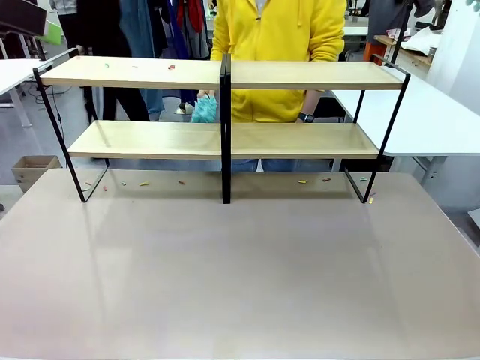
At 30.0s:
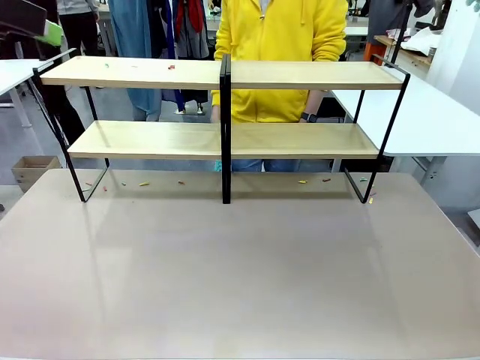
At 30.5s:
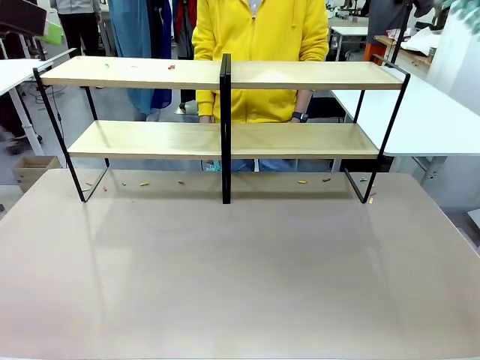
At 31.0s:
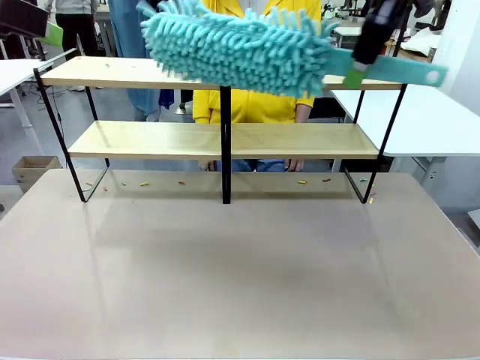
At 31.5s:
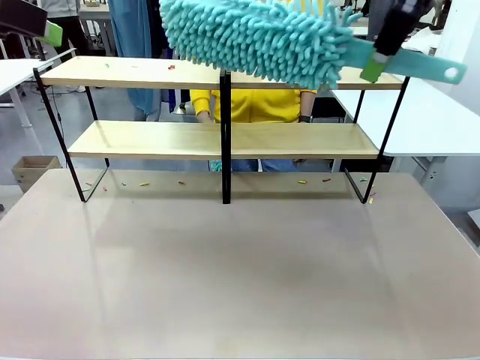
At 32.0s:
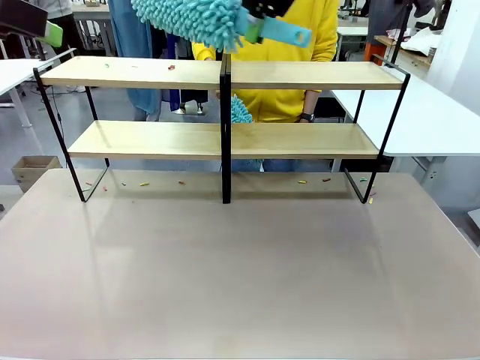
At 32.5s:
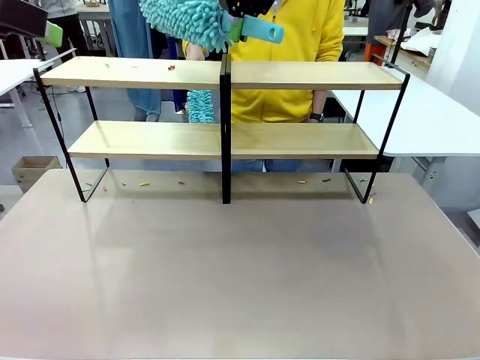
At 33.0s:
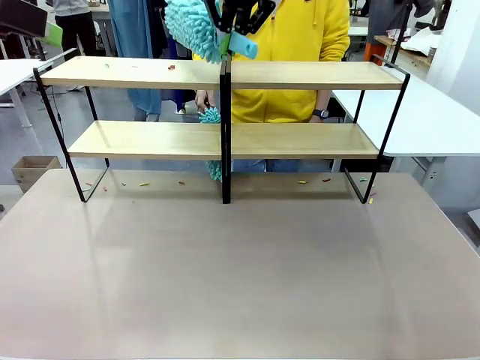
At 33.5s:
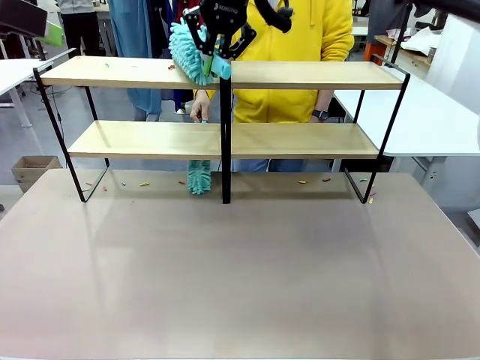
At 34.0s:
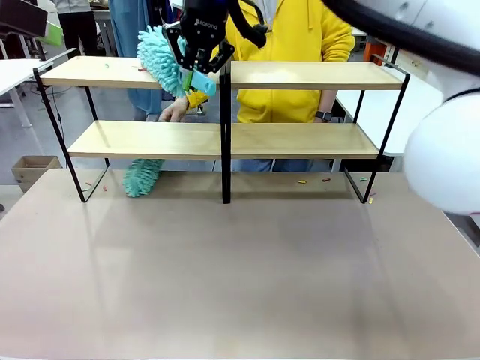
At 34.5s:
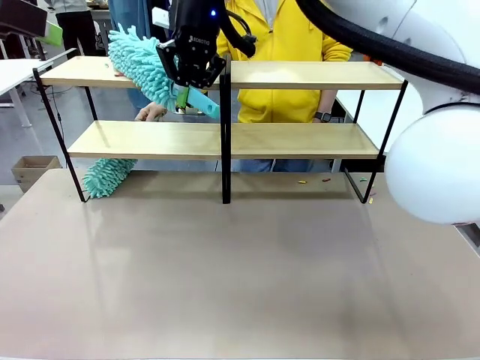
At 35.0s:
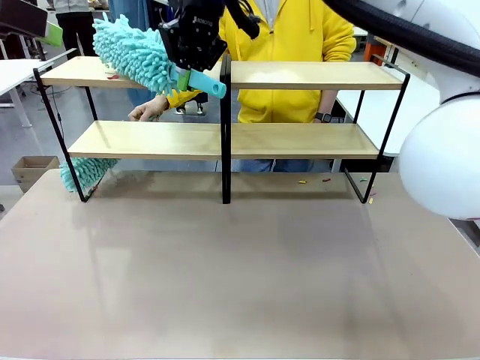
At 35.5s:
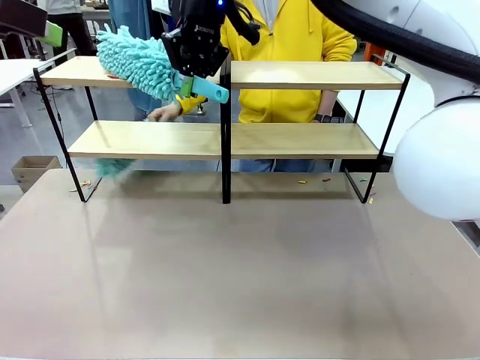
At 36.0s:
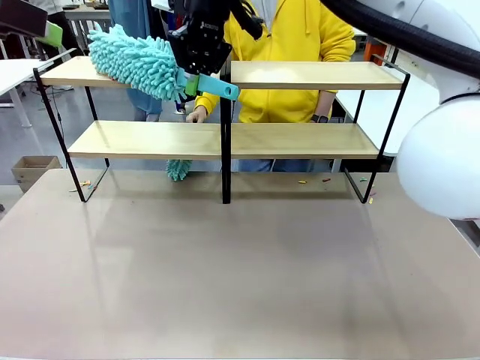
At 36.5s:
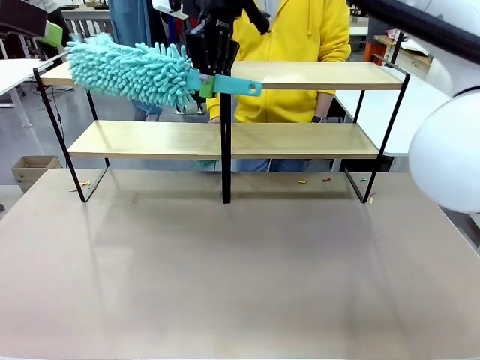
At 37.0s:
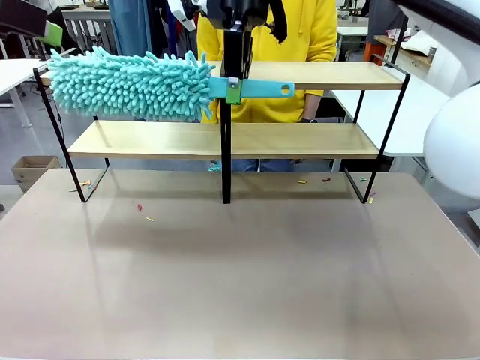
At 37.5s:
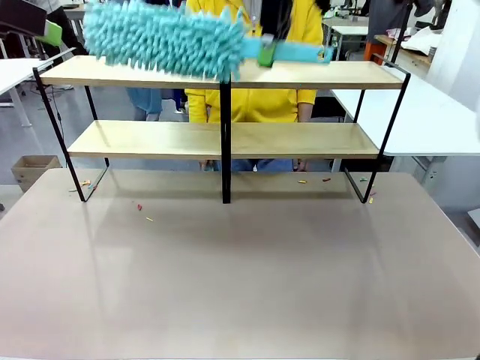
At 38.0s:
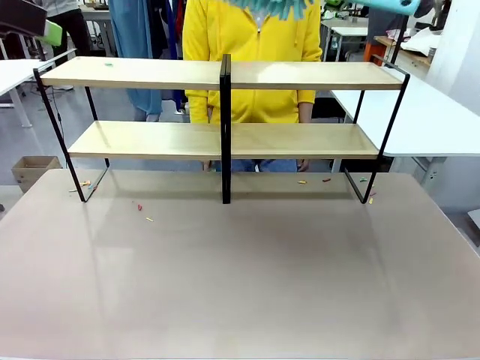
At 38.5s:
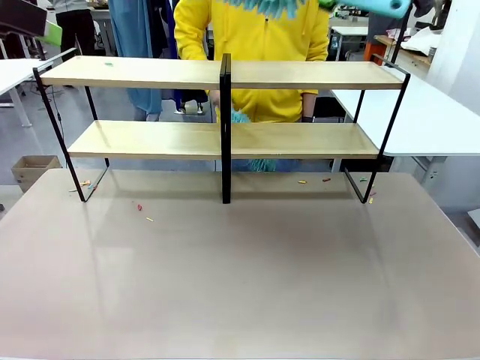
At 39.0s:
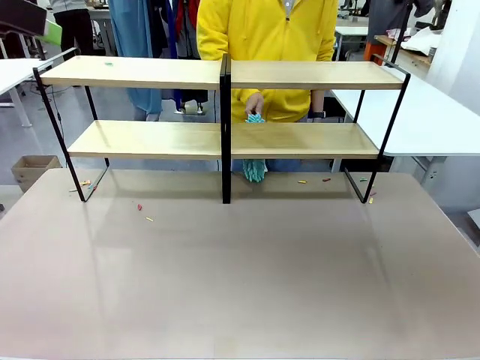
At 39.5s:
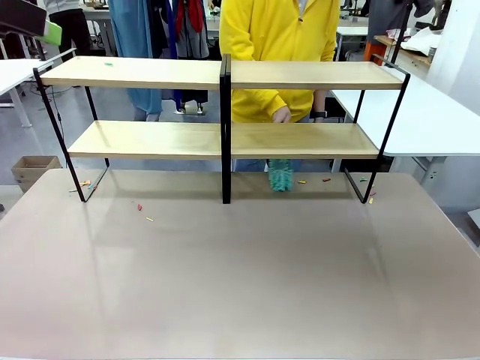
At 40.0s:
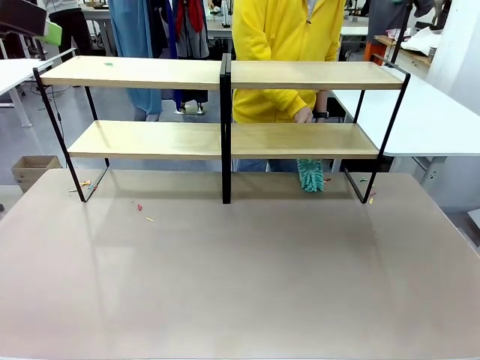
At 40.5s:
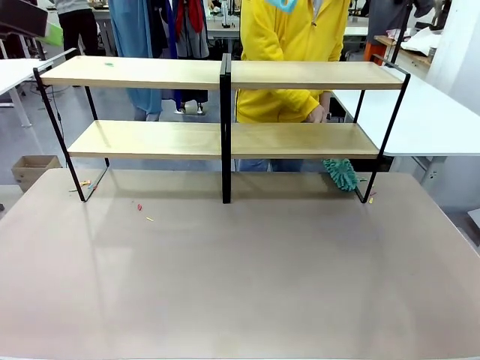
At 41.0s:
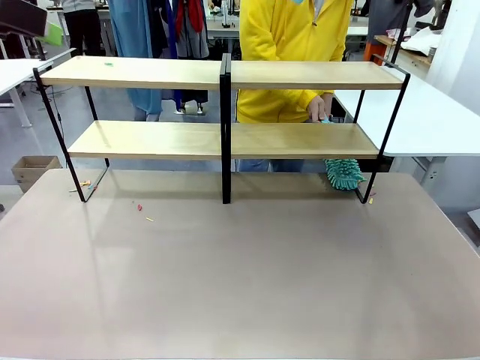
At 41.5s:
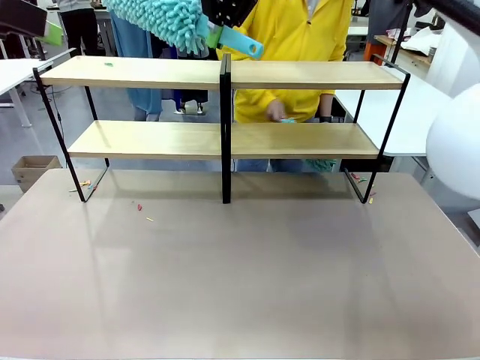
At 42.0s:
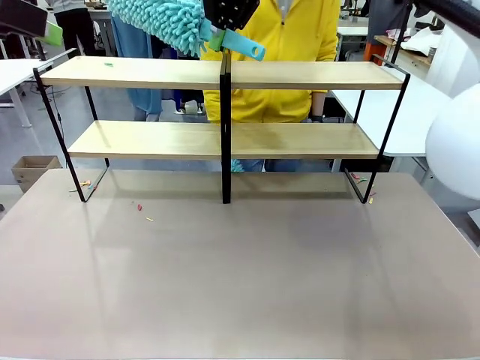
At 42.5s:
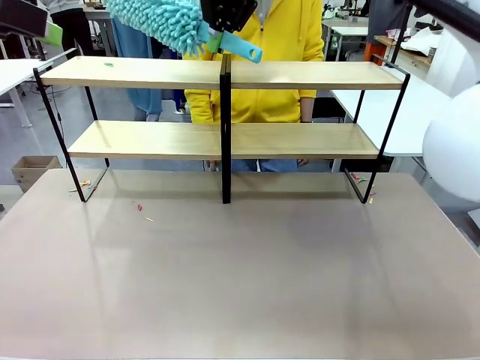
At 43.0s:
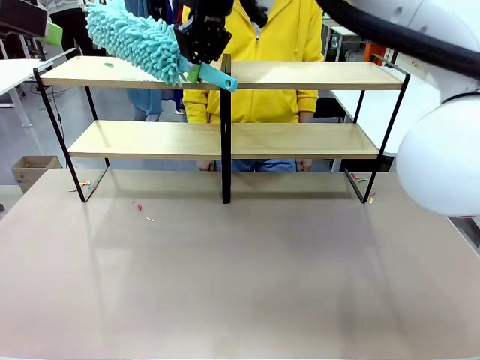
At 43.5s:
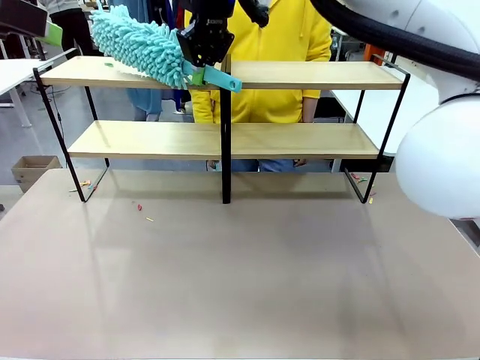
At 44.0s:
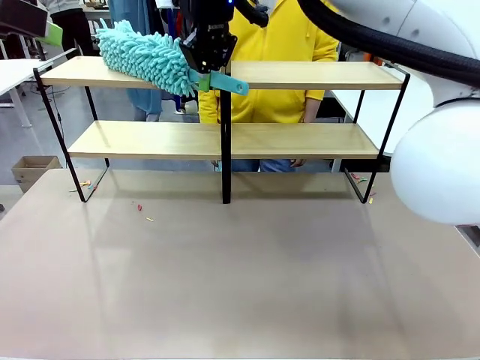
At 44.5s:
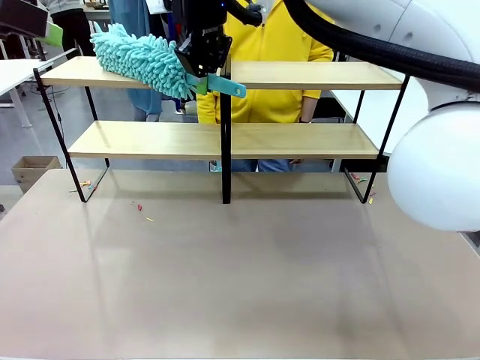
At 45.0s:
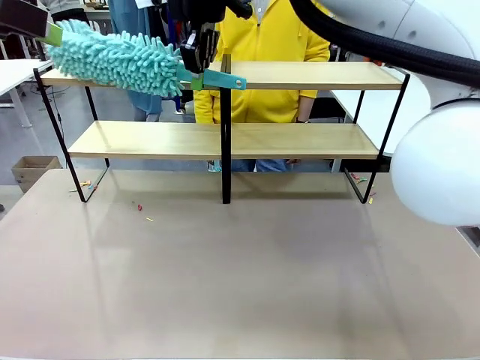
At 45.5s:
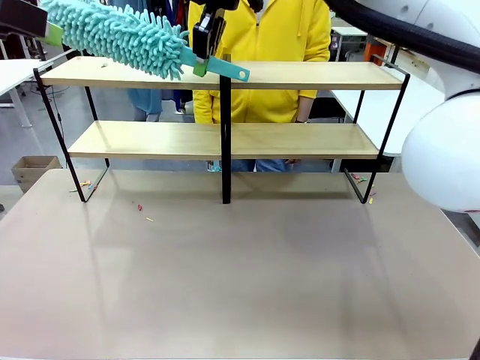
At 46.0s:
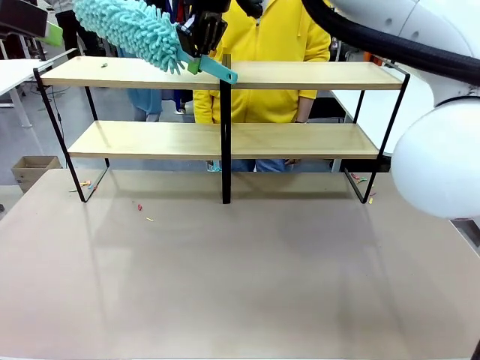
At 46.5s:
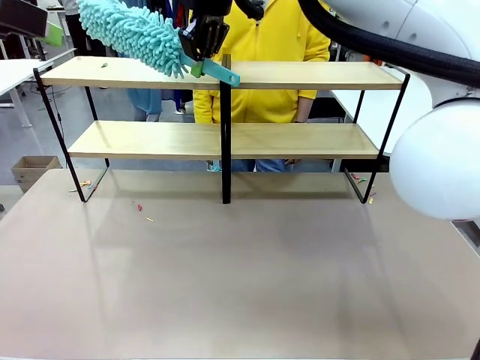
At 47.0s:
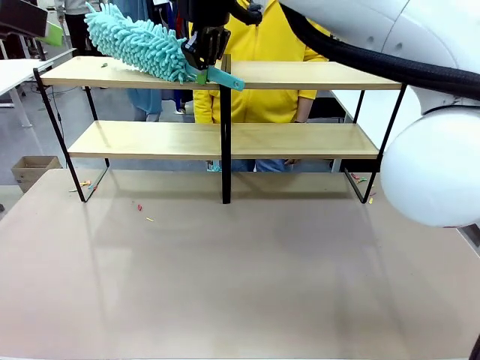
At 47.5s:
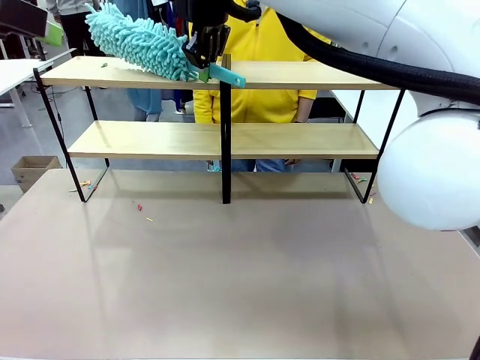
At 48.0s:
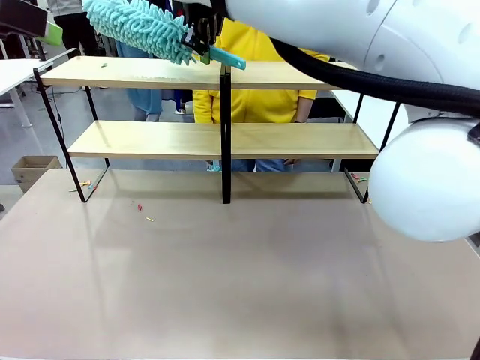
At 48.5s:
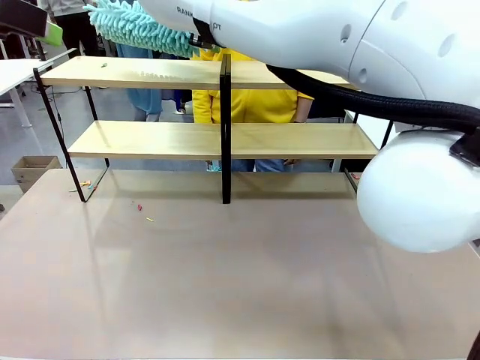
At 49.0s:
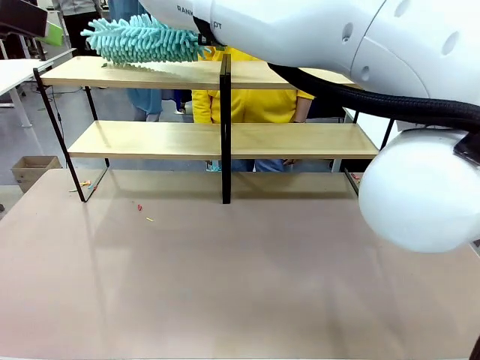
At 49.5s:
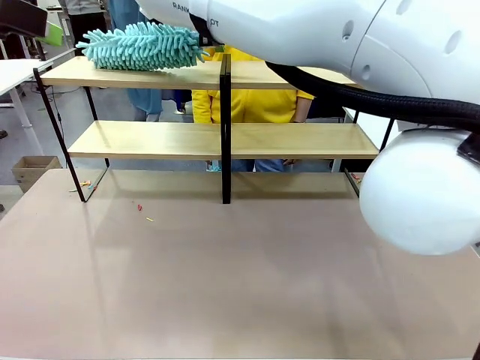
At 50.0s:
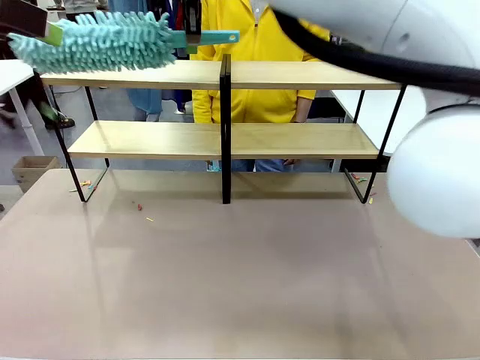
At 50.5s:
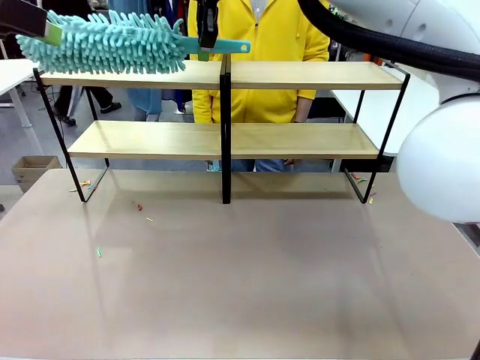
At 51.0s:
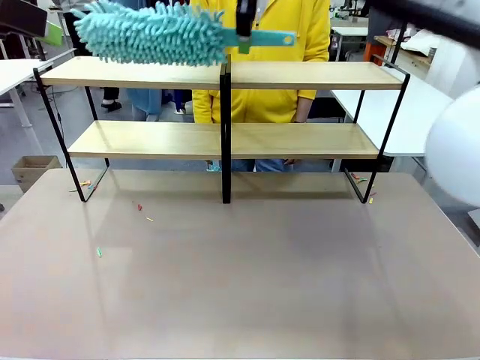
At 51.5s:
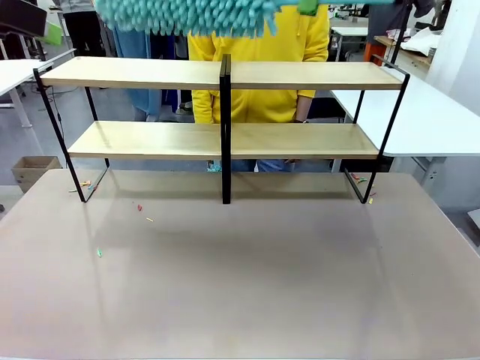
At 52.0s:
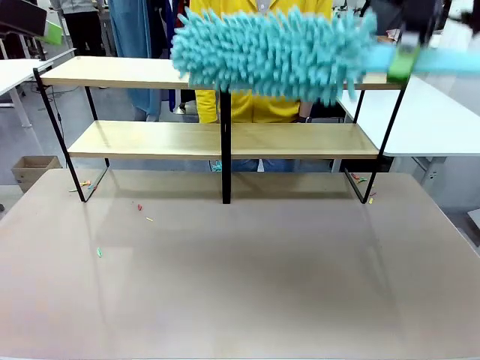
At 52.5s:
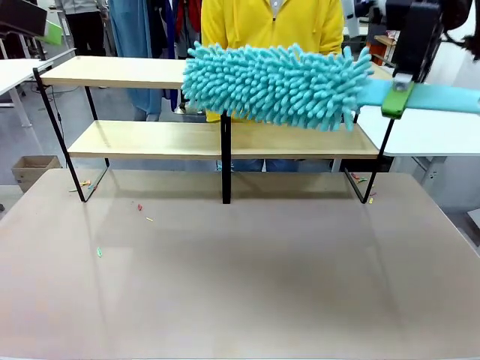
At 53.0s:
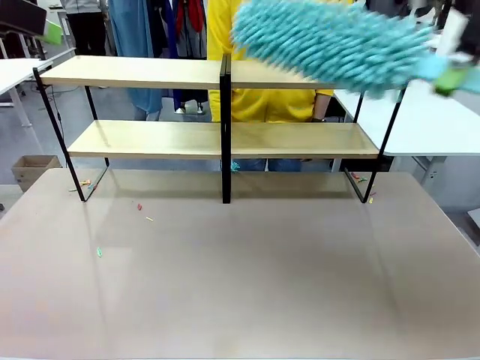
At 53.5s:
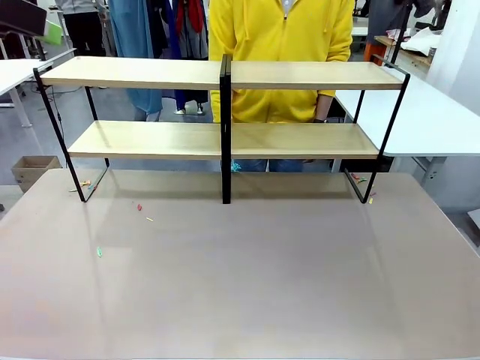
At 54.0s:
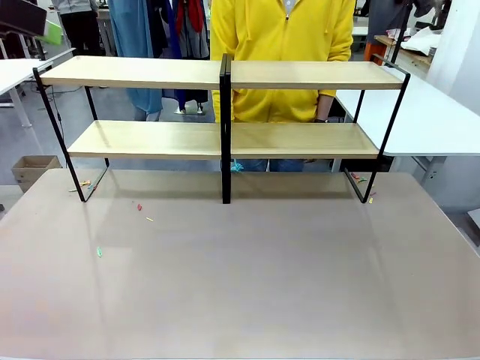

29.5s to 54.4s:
Task: Clean the shelves.
Robot: Clean another randomly selected level of the Shelf with the Duster.
Person: Clean a randomly selected level of the Shelf with the Duster.
